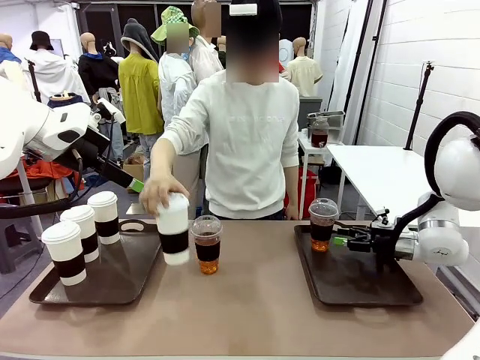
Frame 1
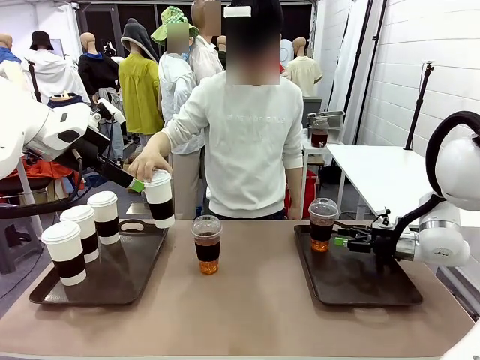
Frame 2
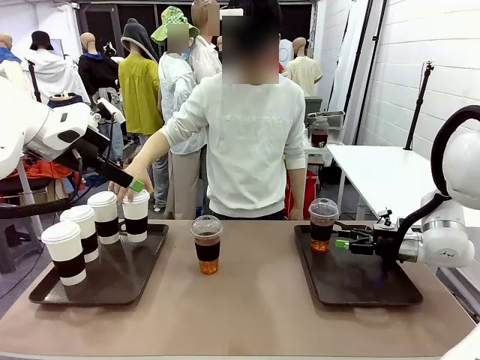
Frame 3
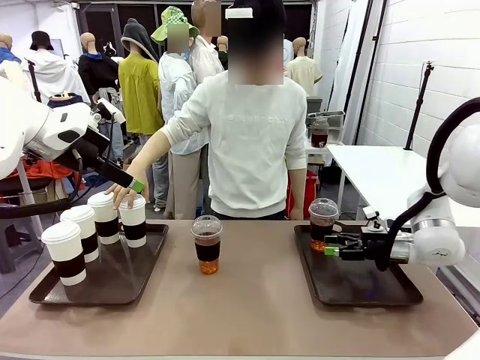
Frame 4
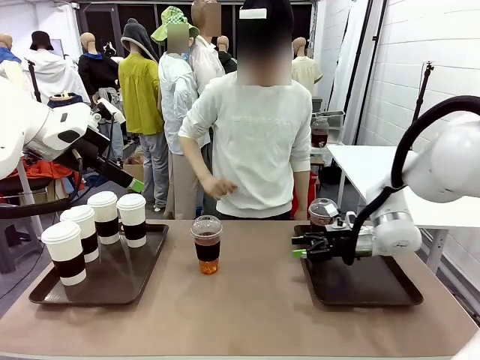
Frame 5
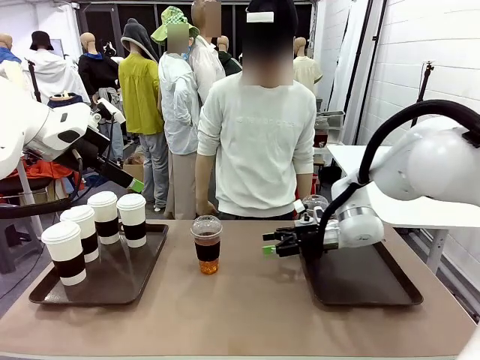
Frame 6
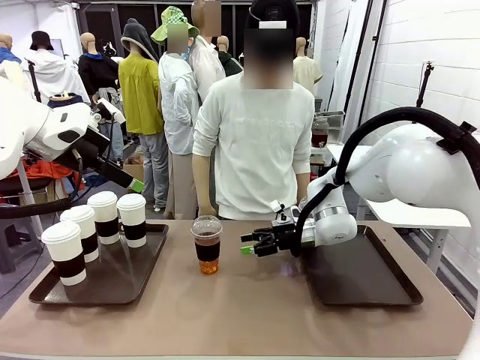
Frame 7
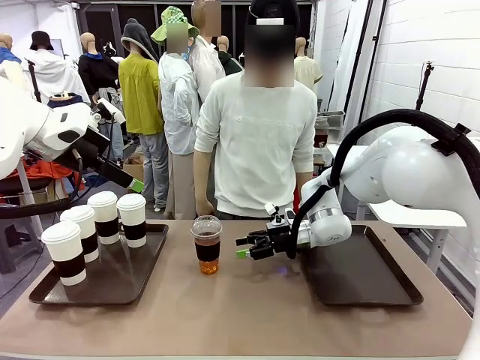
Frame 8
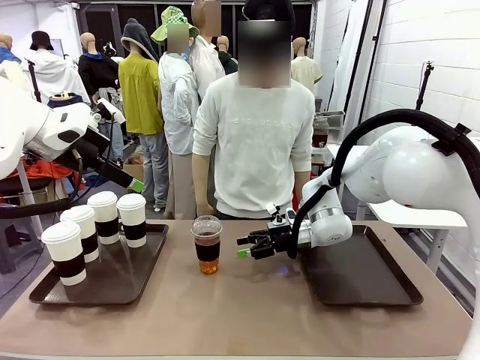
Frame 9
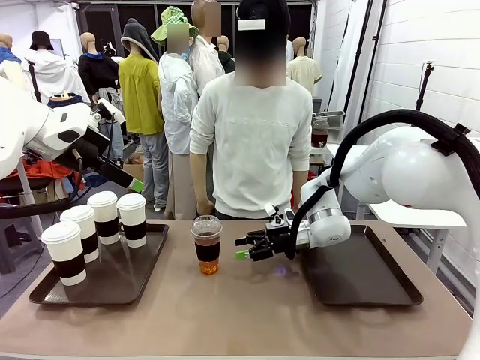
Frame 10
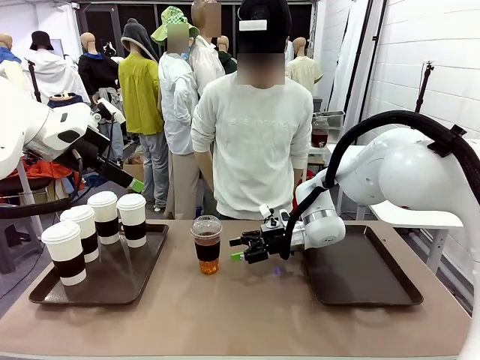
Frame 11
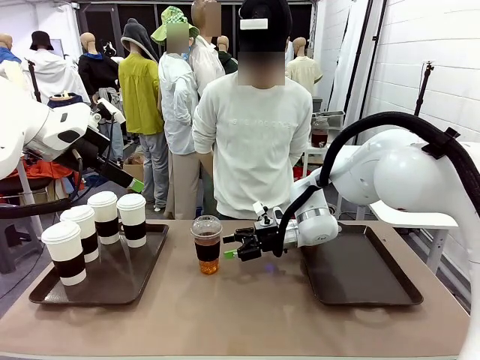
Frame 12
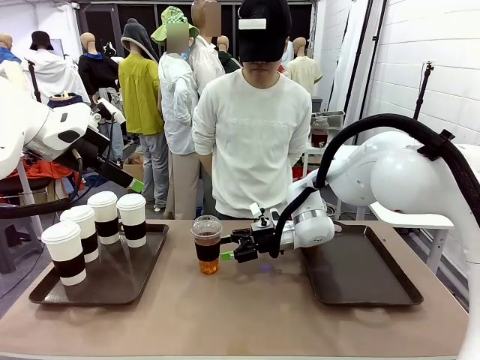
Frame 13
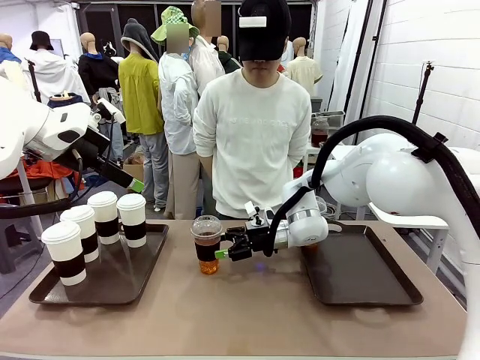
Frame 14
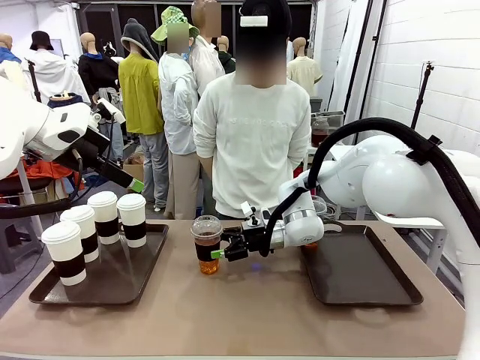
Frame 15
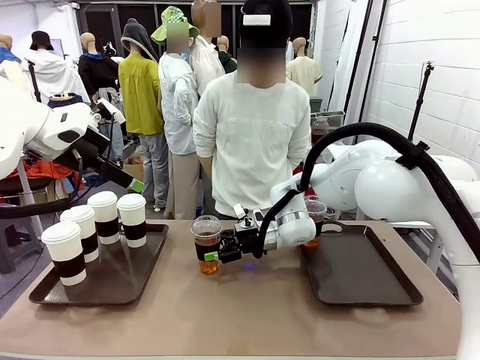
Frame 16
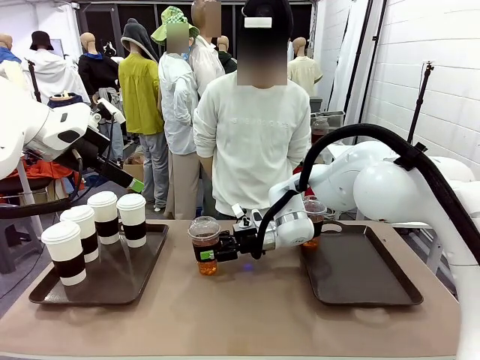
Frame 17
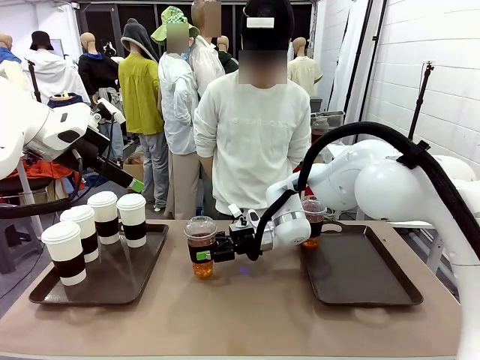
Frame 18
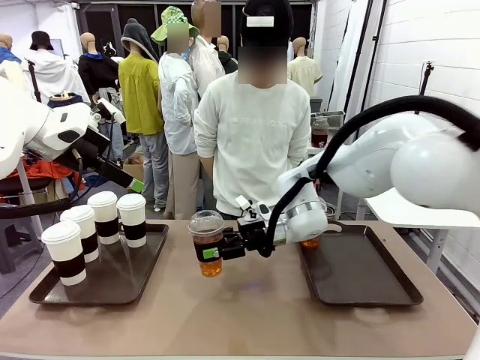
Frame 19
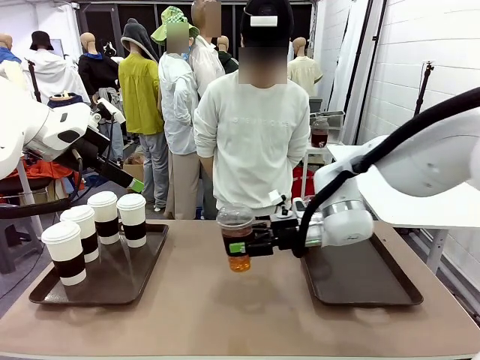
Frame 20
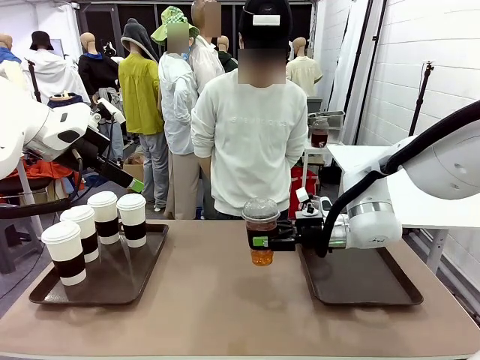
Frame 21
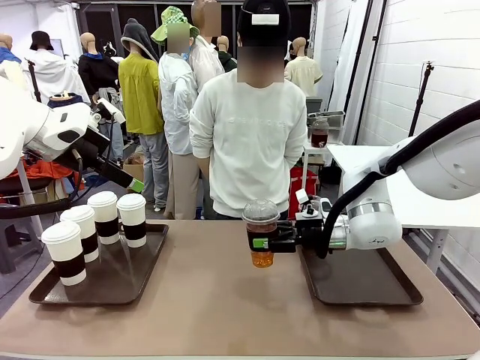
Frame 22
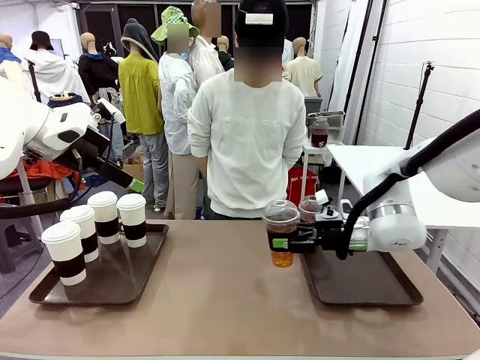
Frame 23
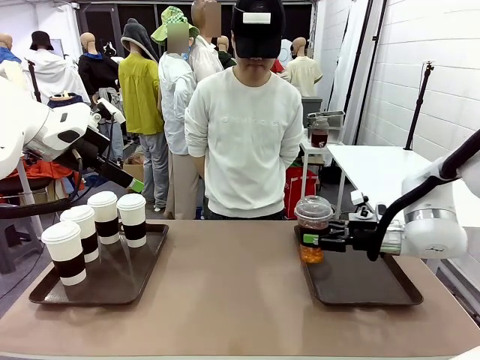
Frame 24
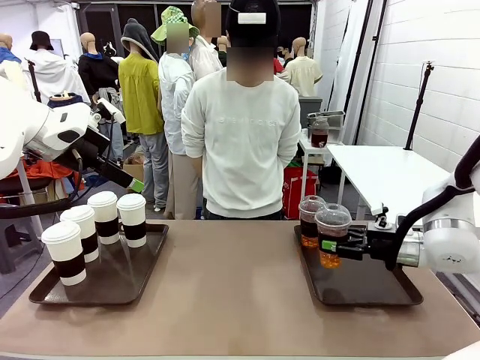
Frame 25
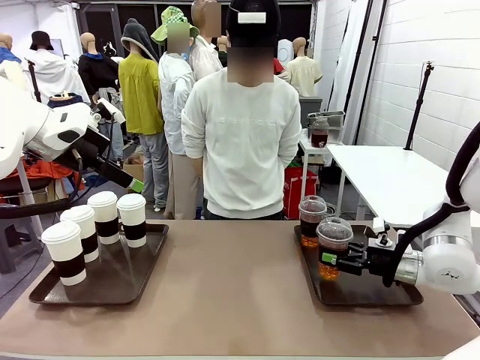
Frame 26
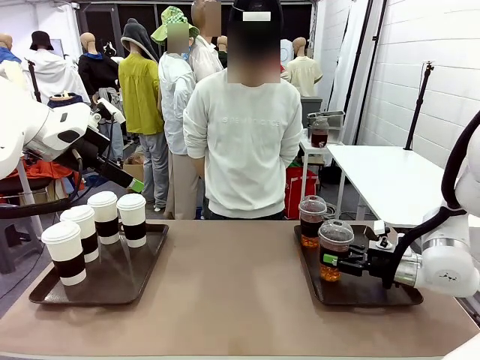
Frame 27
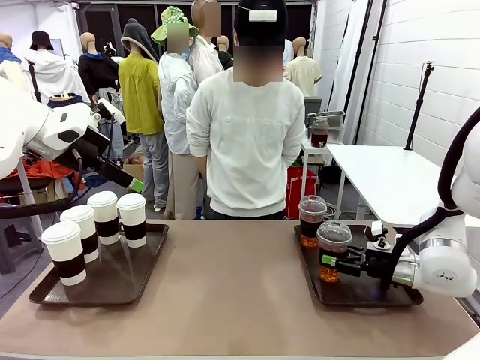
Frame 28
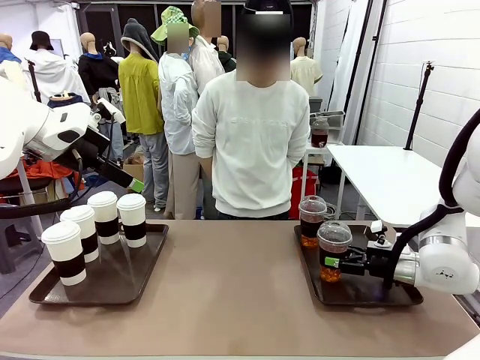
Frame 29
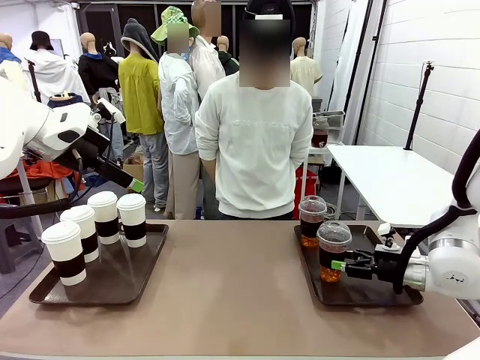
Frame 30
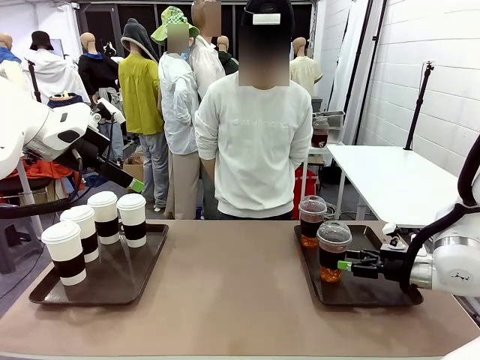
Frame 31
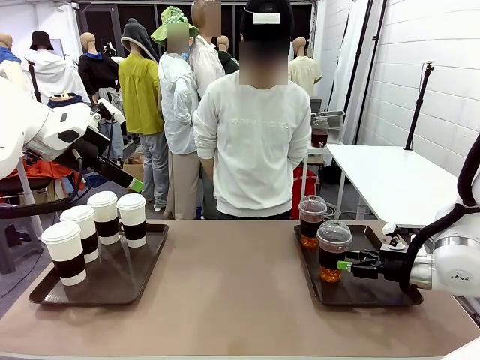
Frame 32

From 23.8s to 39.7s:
Task: Distribute the coffee onto the tray.
Robot: Pick up another iced Americano from the middle of the table and place it on the right Handle tray.

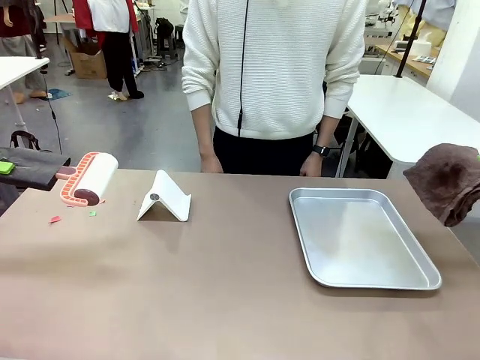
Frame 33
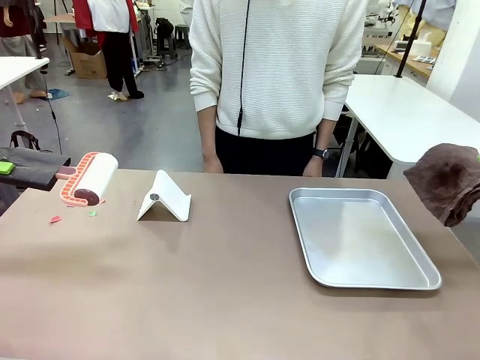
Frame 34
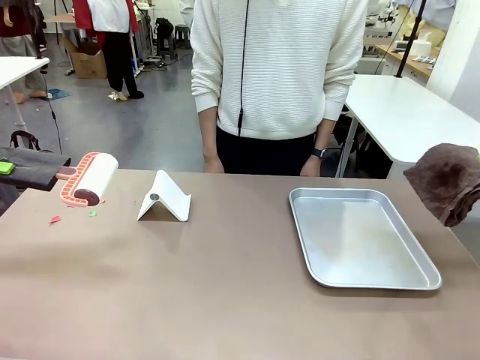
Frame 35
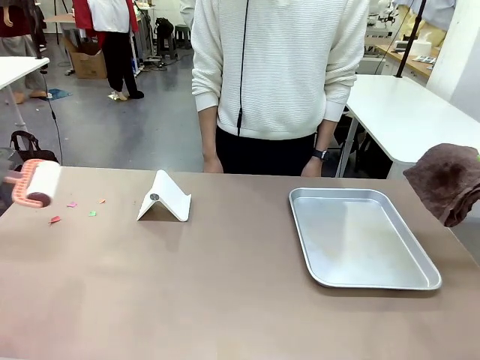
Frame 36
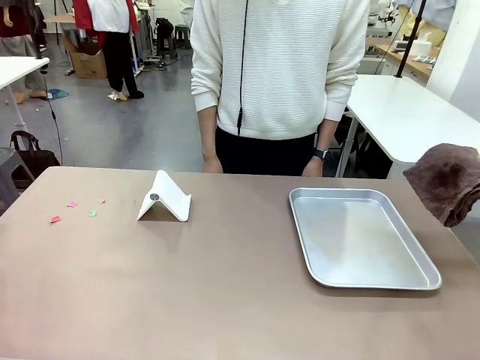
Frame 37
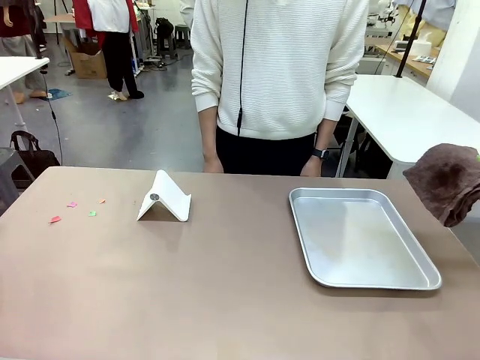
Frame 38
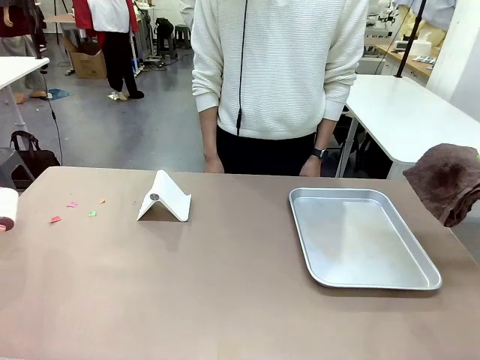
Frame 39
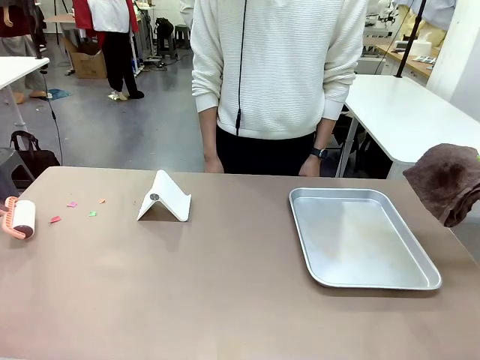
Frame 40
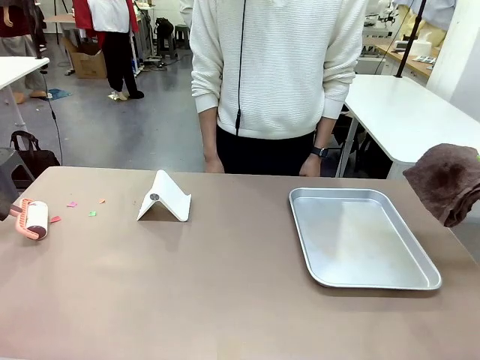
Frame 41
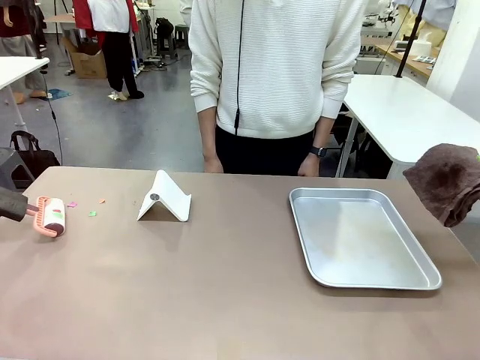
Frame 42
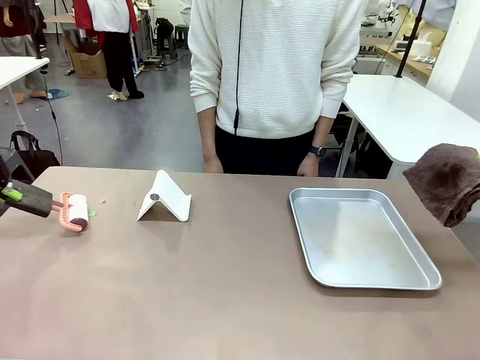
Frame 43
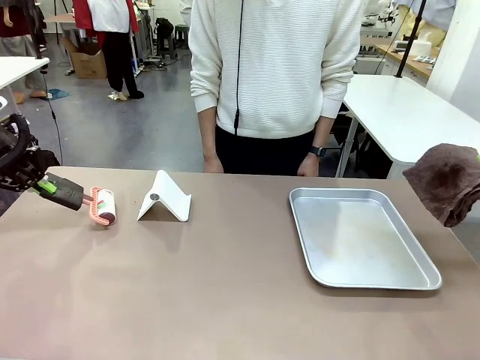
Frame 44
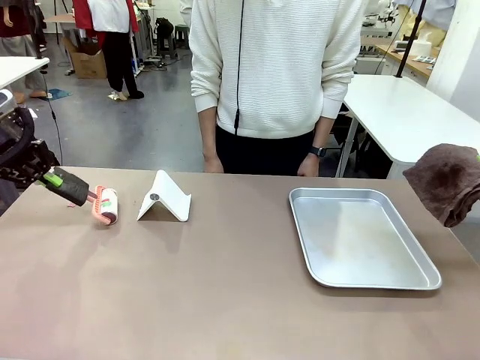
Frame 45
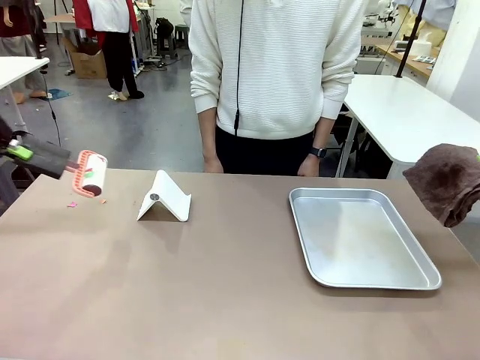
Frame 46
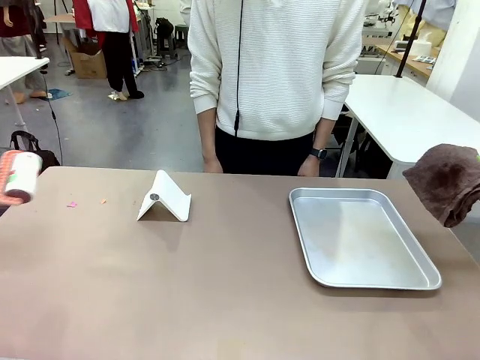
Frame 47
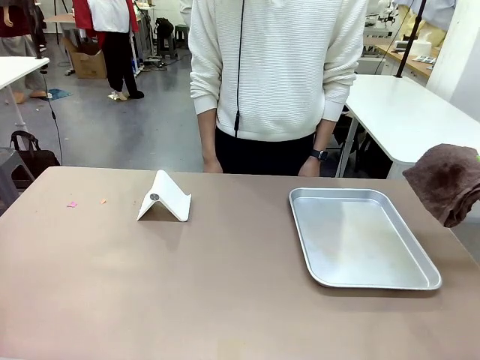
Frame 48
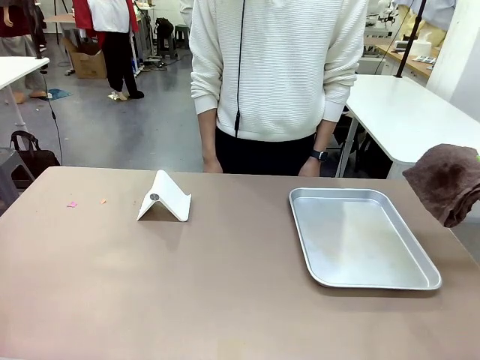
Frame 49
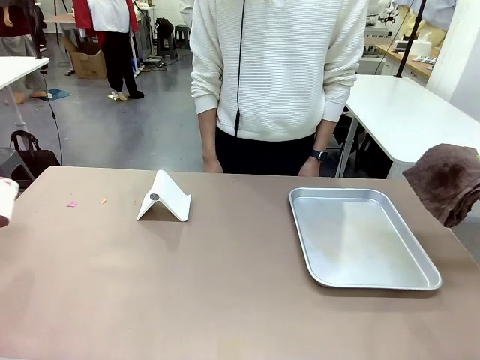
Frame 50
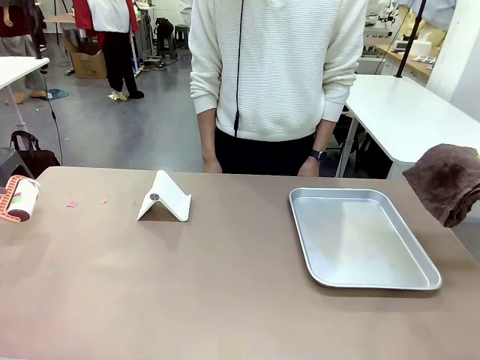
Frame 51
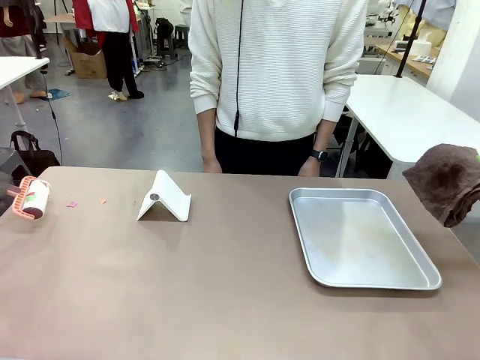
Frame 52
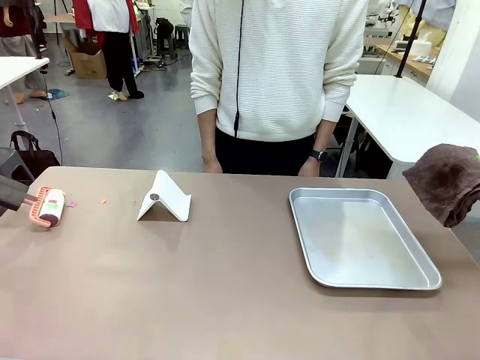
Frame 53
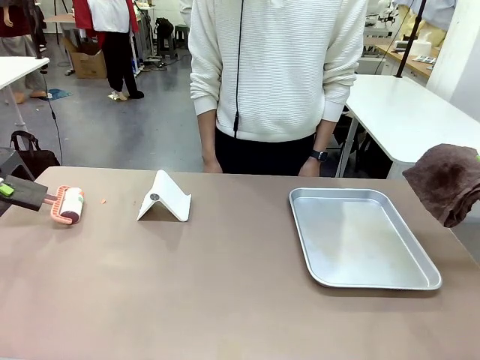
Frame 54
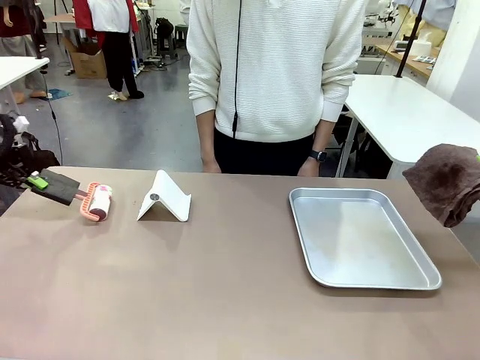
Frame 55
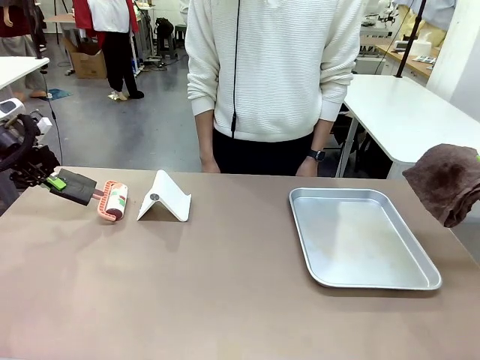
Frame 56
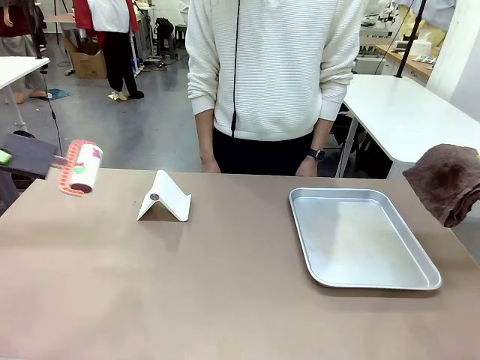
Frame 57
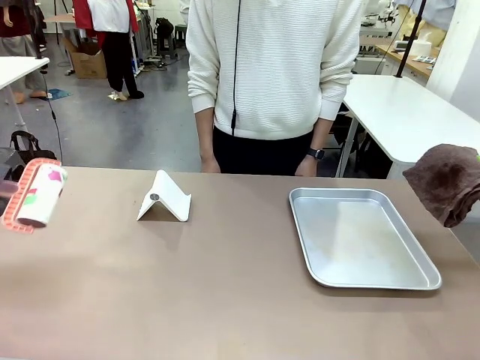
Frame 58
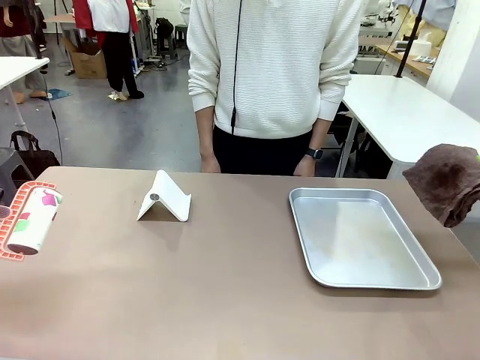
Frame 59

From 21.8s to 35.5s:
Task: Clean the surface of the table.
Robot: Clean the area not pointed to by the person.
